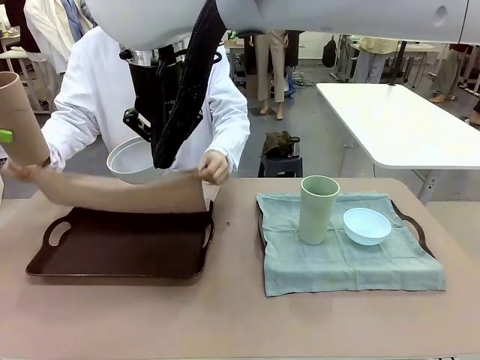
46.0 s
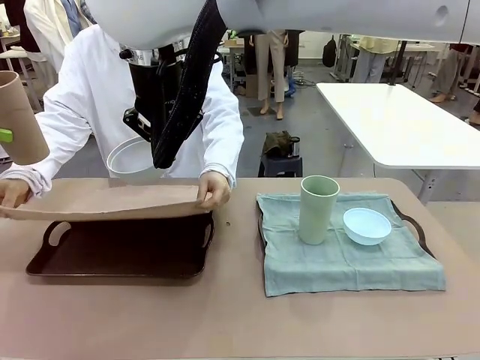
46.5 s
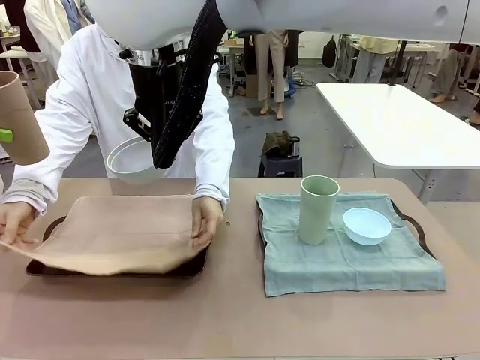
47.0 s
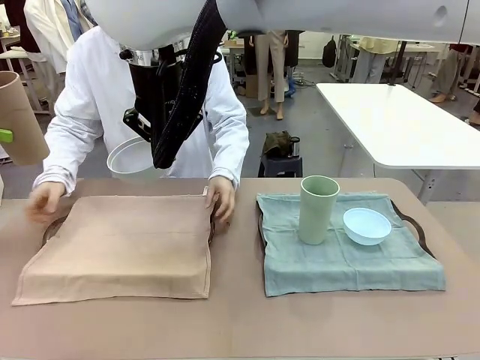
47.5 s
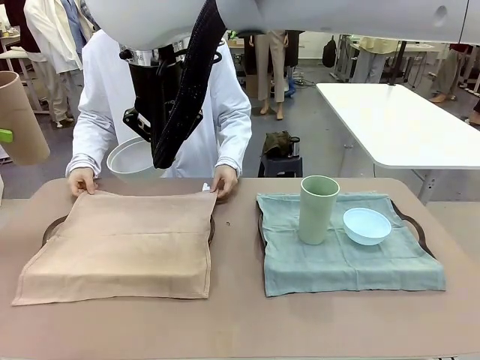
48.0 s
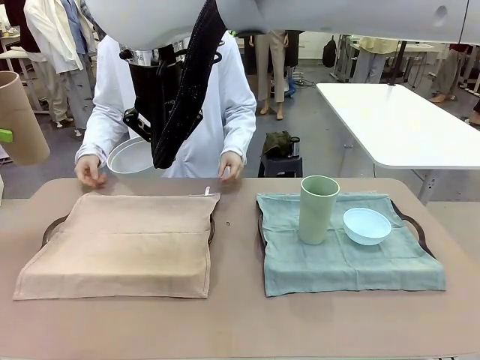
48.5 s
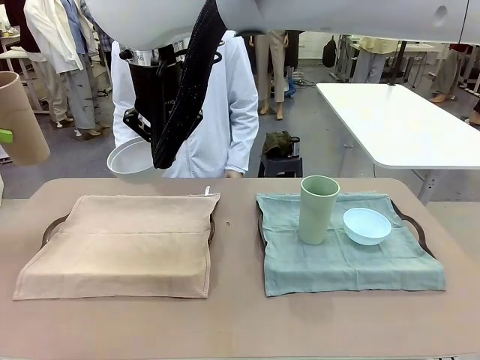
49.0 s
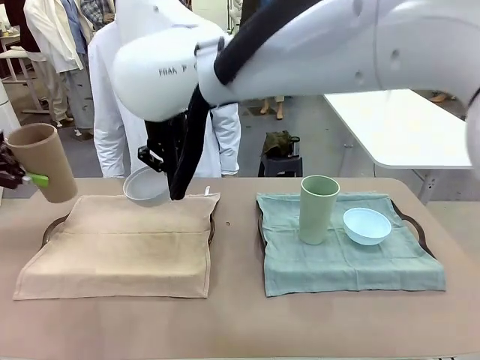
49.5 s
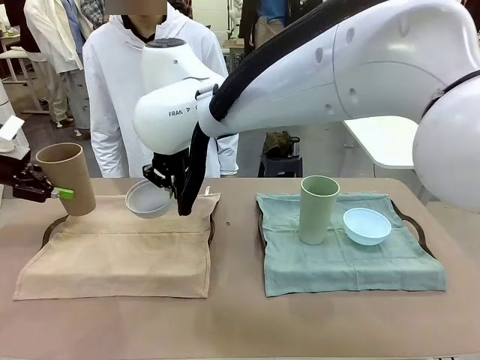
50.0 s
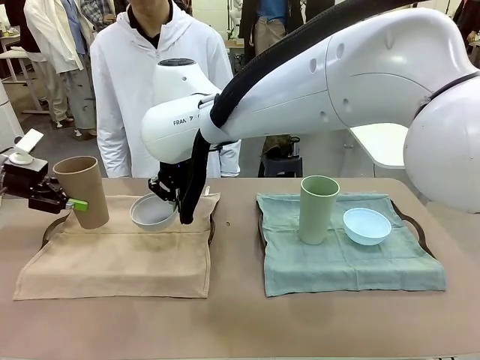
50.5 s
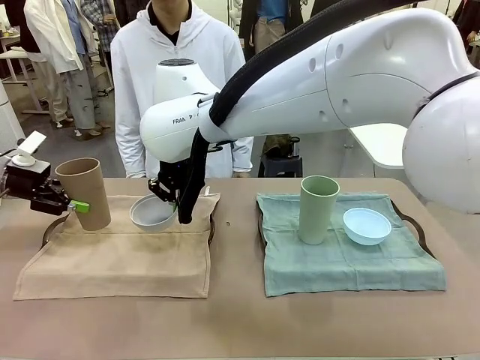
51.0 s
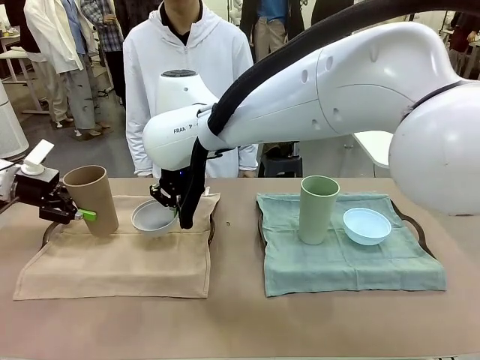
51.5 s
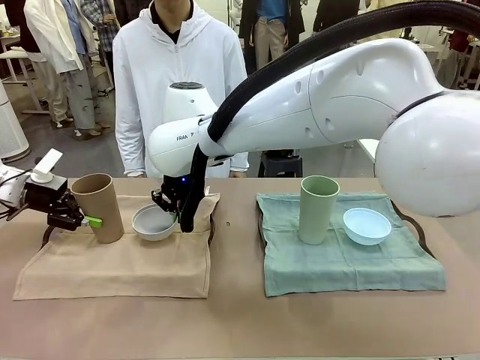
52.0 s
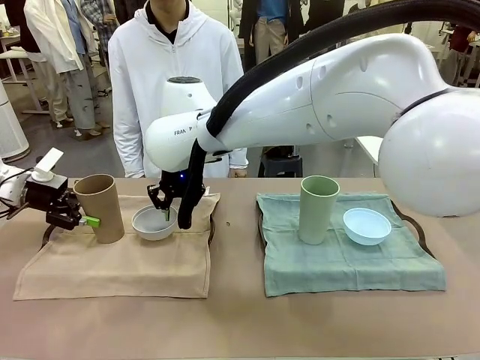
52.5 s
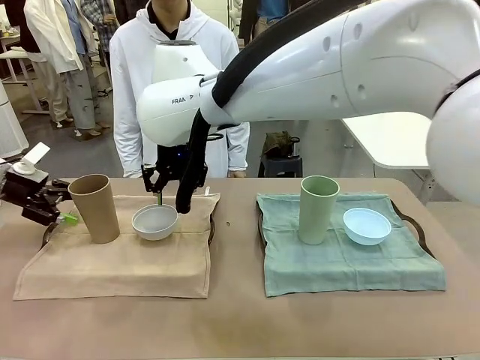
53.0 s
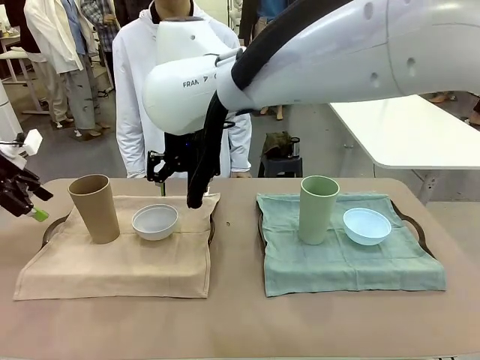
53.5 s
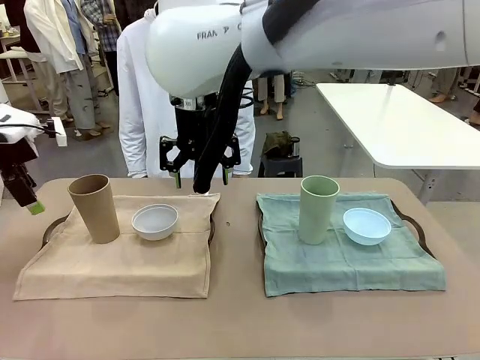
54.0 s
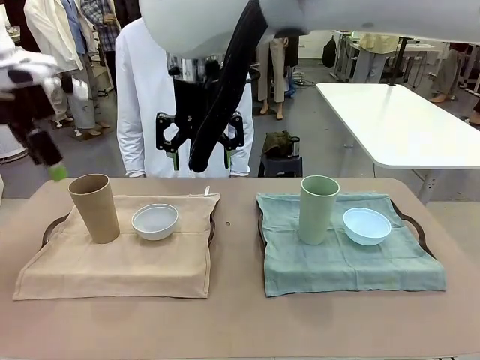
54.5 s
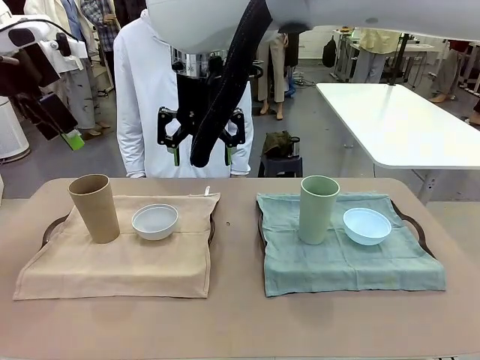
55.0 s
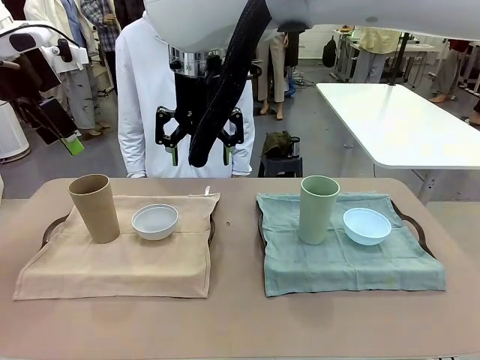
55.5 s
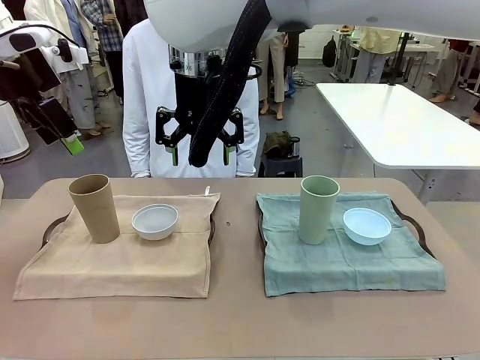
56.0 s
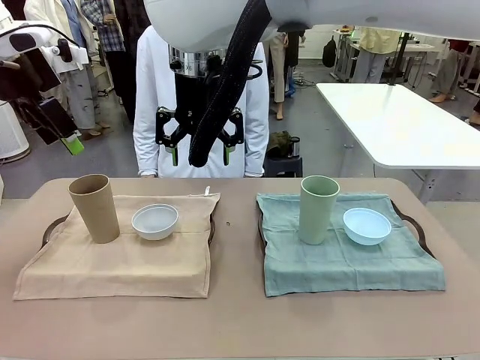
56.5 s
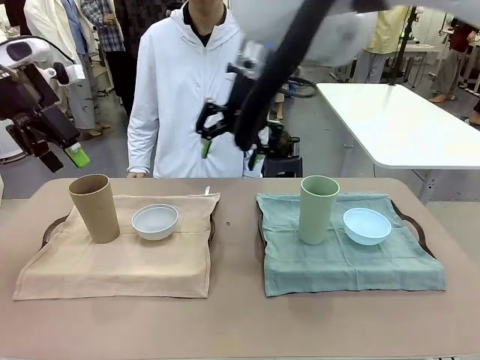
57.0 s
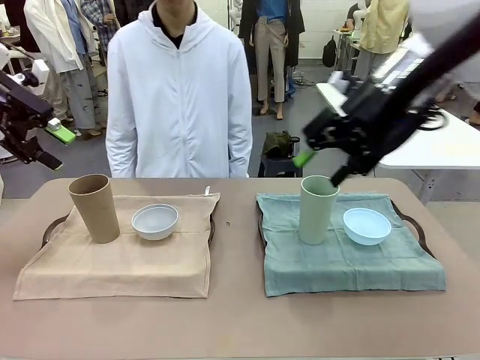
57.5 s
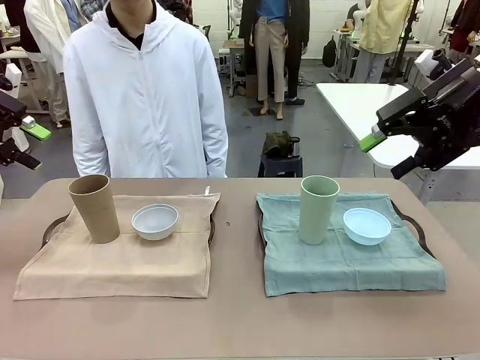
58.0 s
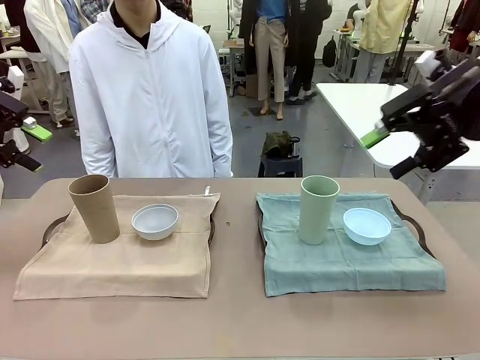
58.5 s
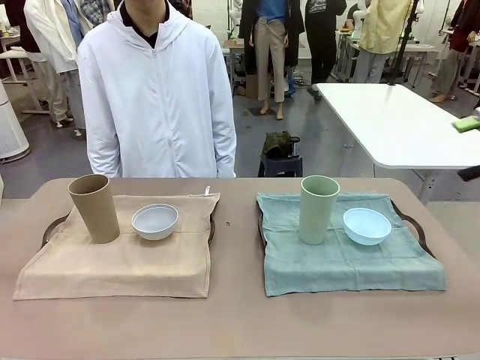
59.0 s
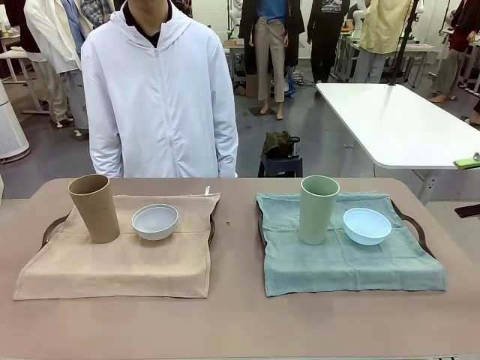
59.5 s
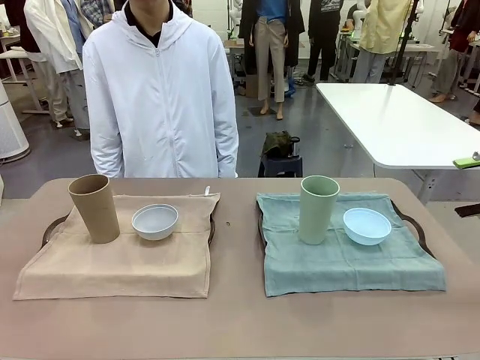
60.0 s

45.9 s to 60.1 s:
Robot: Place the Picnic Bowl and Reusable plastic cup back onto the Handle tray in front of the human's position.
Person: When the robot lifts the bowl and the cup, the human unfolds the napkin and lays the napkin flat on the tray.

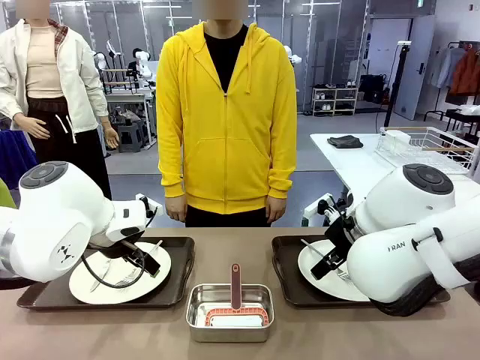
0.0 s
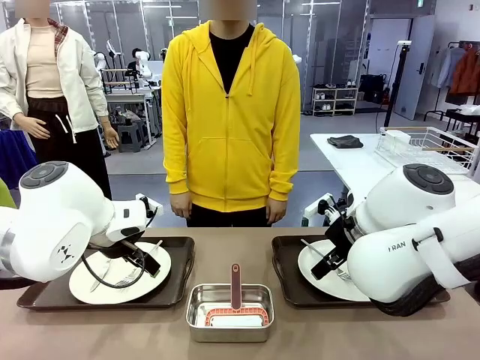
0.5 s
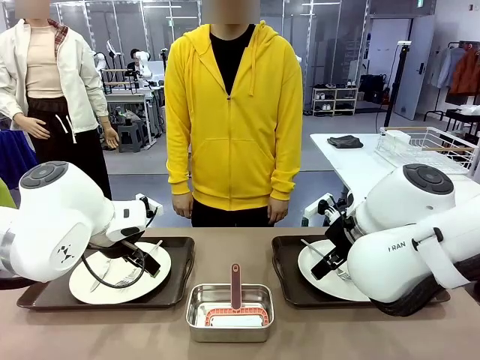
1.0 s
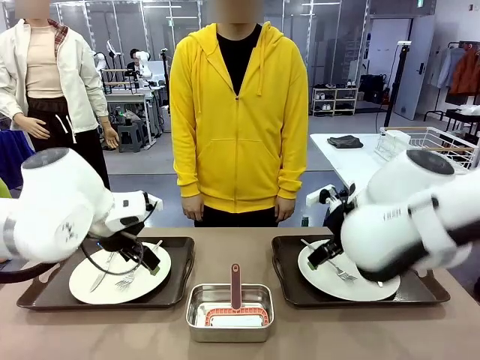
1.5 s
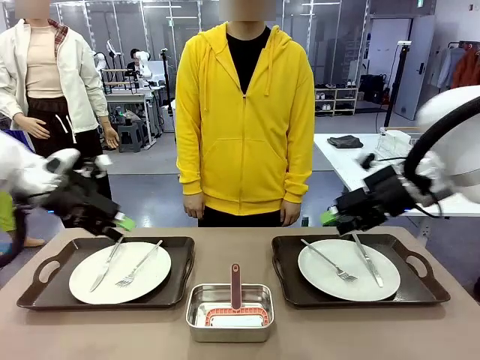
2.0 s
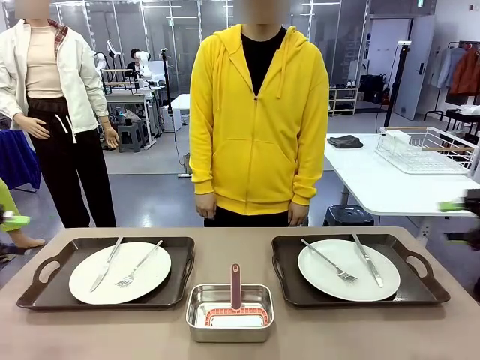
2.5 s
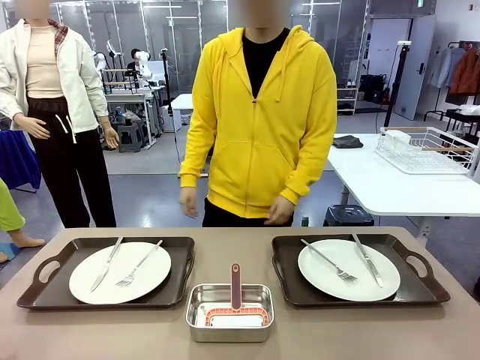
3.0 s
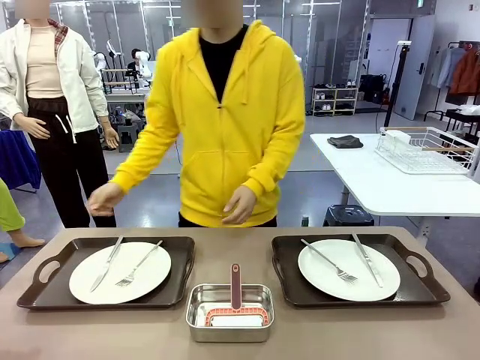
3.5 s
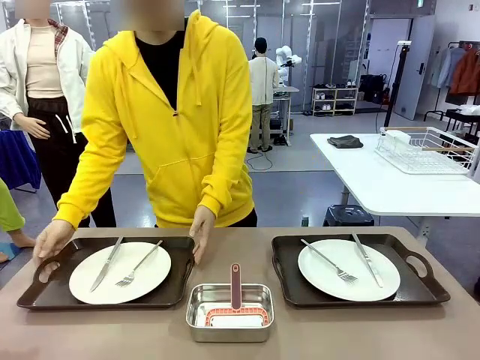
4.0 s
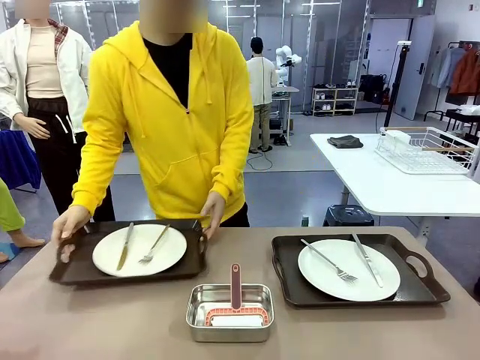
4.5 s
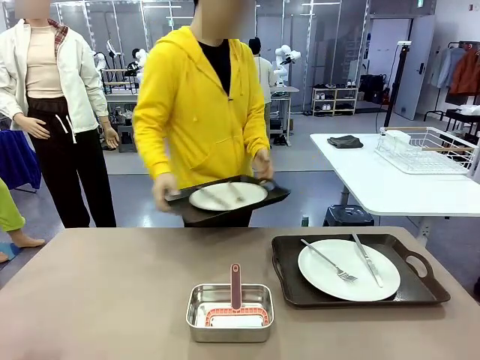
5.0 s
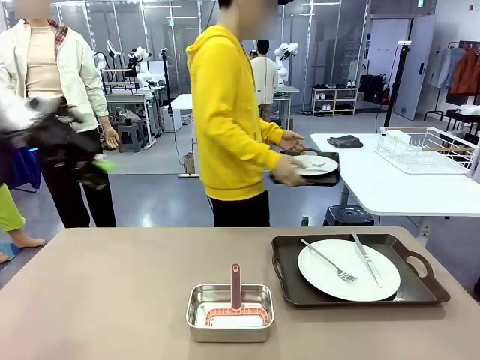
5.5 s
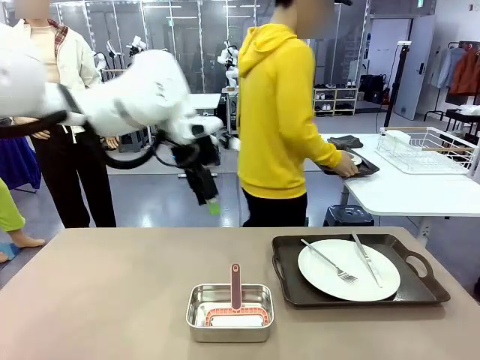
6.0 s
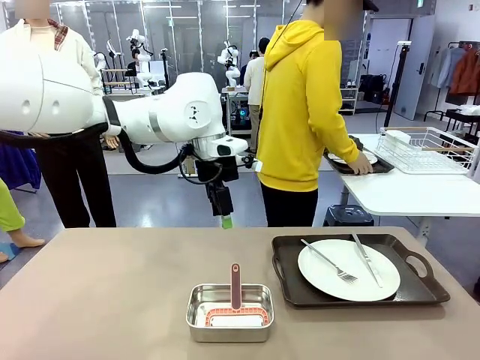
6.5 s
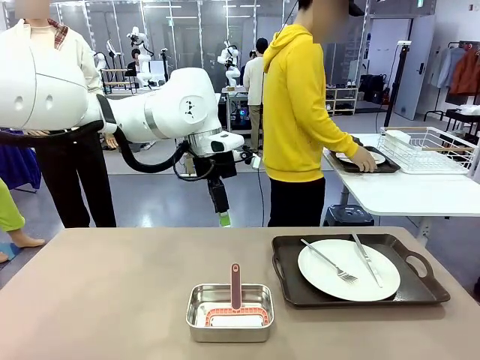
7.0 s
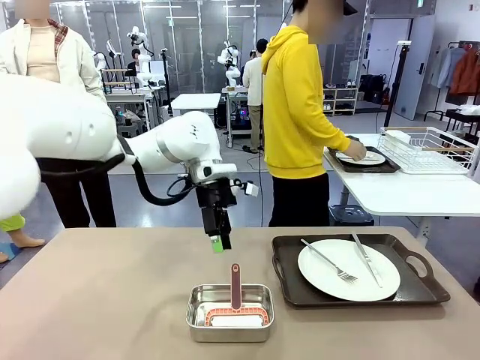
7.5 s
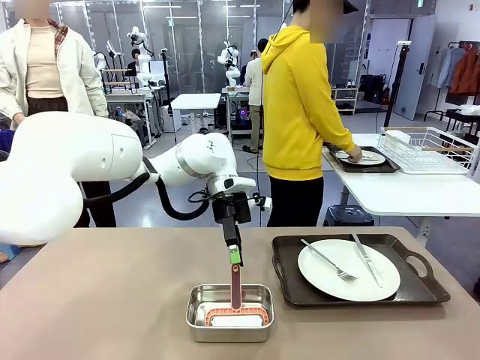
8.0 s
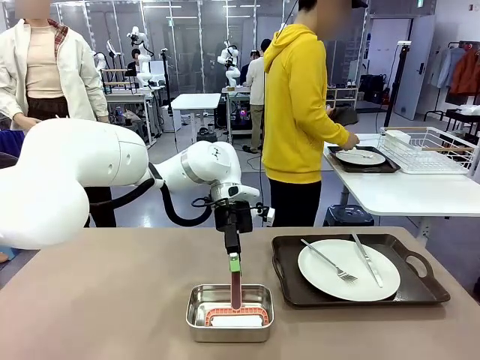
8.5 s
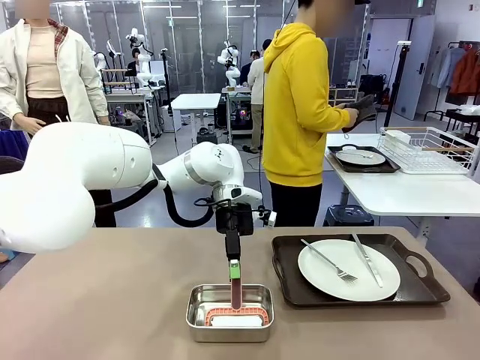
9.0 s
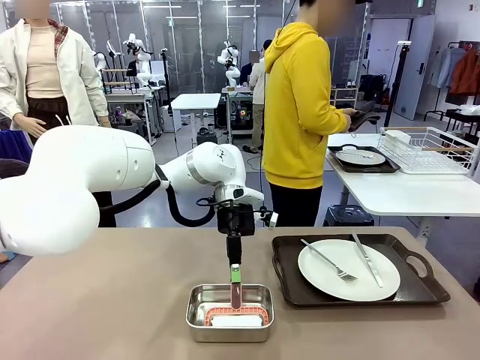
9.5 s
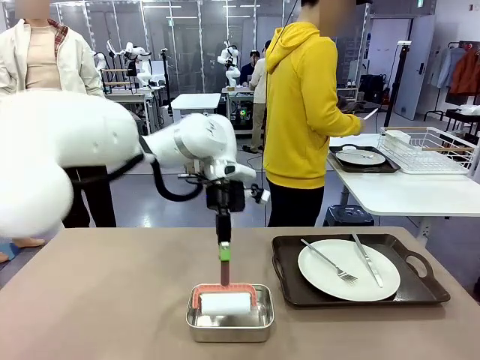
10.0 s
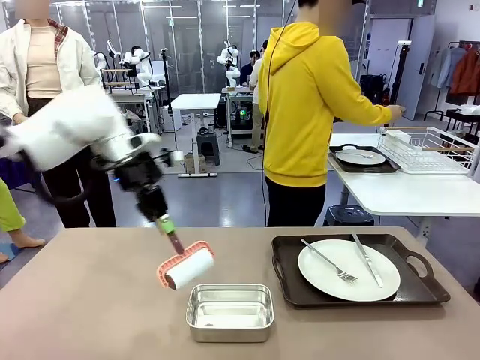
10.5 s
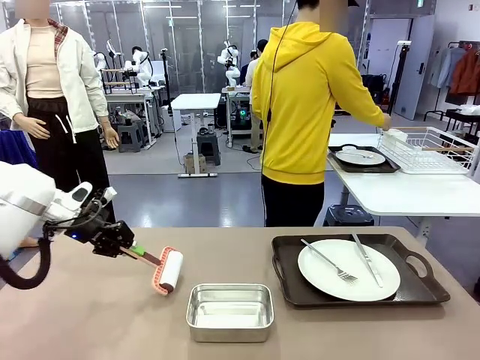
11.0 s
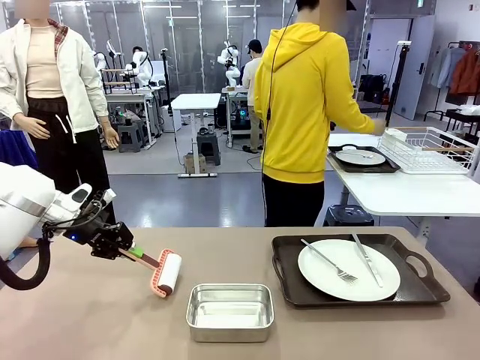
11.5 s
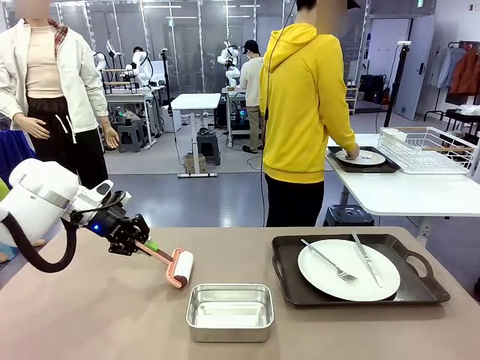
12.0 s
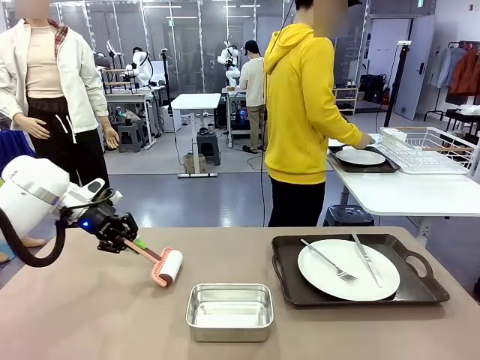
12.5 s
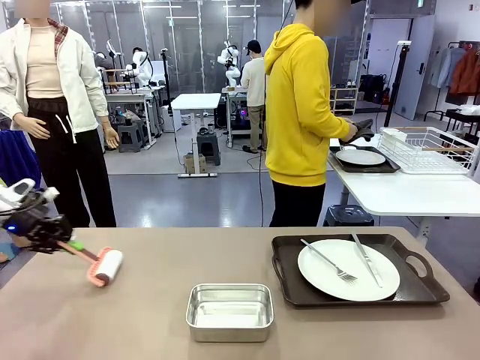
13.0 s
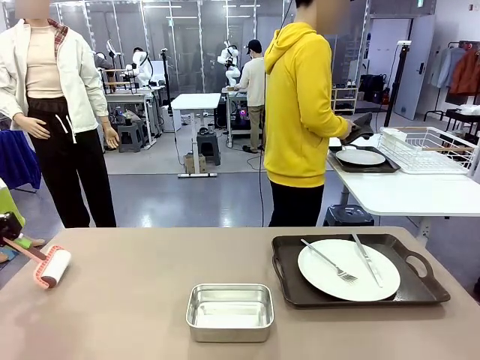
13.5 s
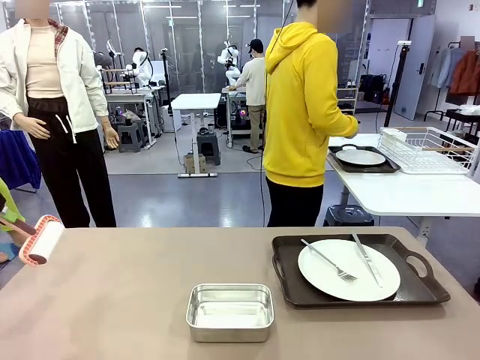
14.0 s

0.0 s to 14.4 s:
Robot: When the left (or right) Handle tray is removed, use the left hand (or right hand) to clean the left (or right) side of the table with the Lint Roller.
Person: Pick up the left (or right) Handle tray and place it on the middle of the Human's table.
